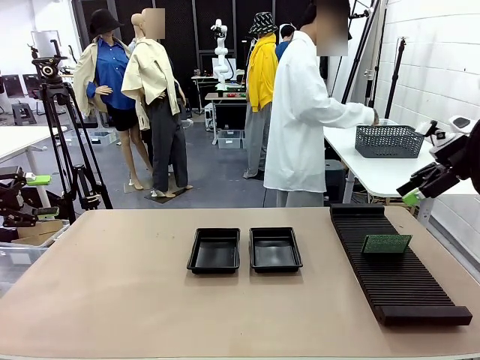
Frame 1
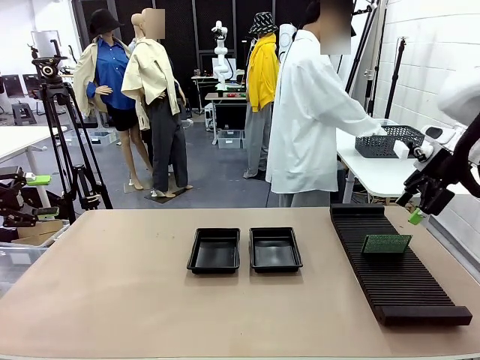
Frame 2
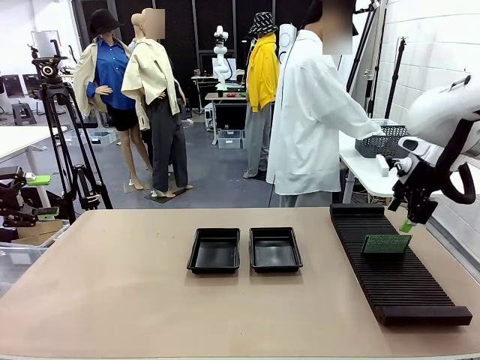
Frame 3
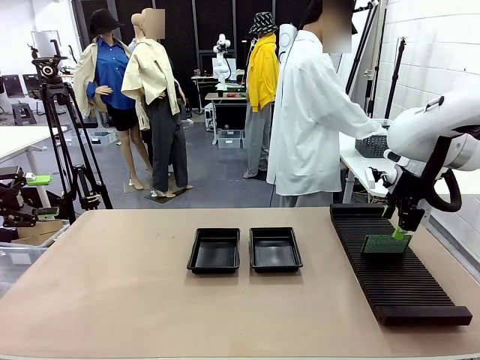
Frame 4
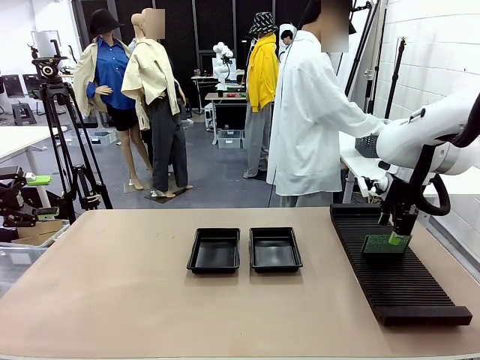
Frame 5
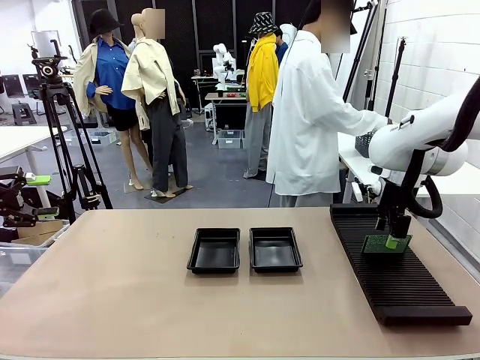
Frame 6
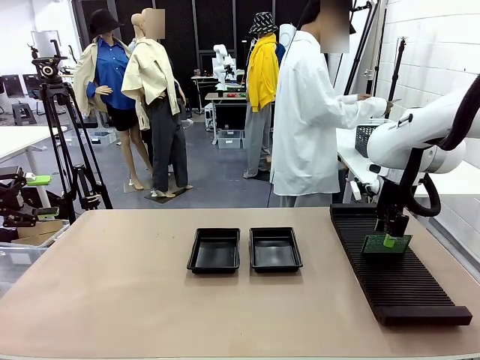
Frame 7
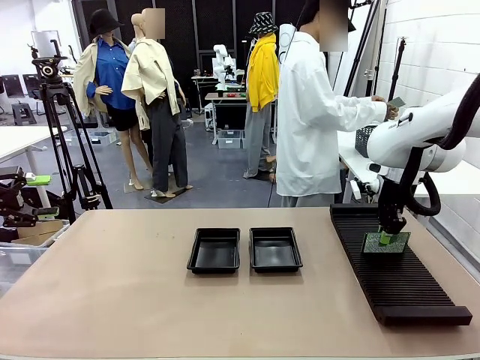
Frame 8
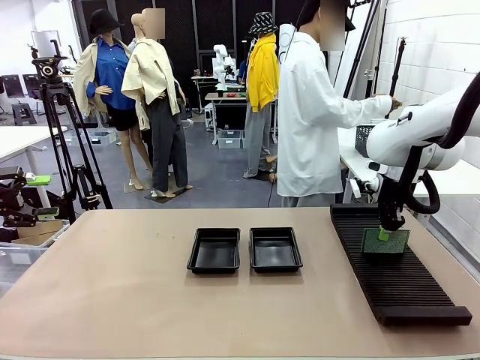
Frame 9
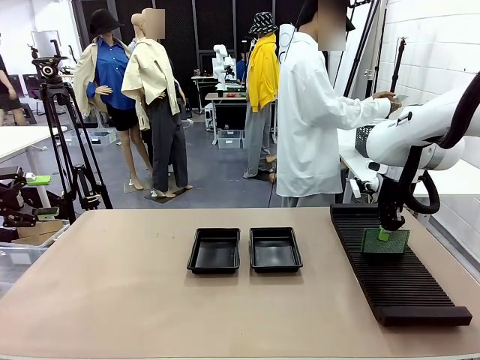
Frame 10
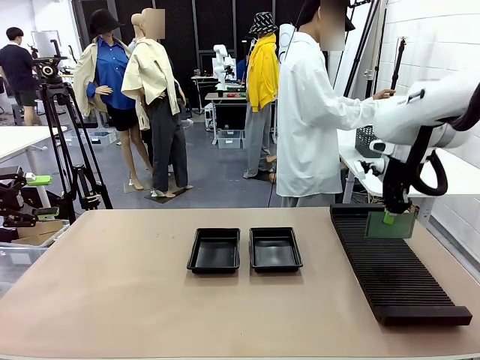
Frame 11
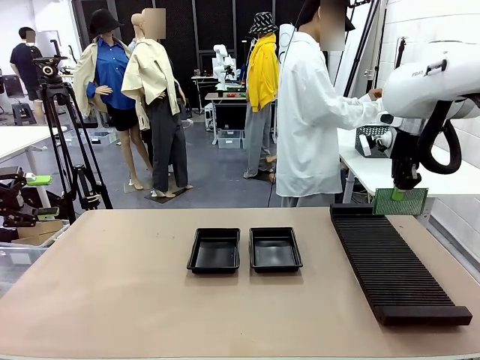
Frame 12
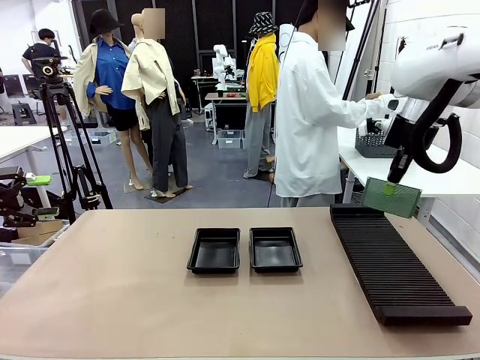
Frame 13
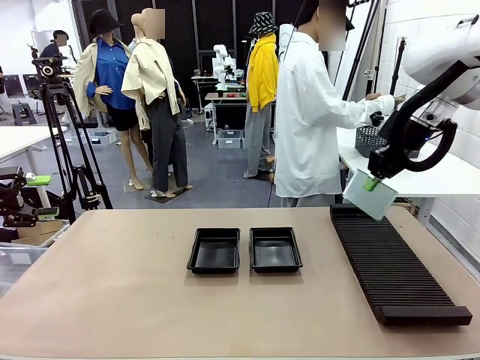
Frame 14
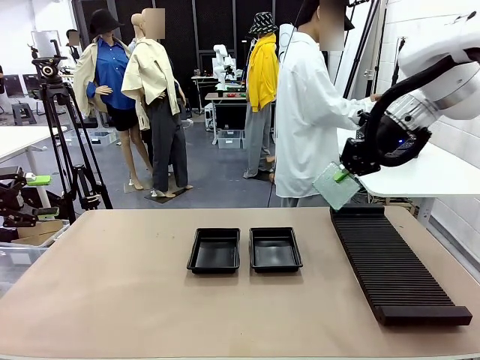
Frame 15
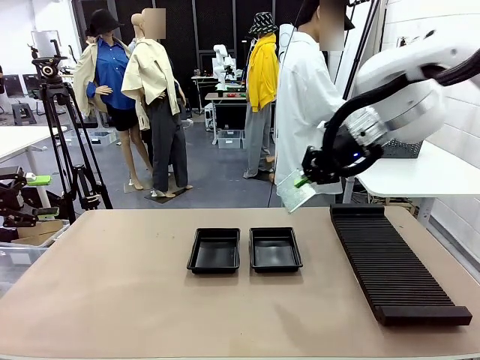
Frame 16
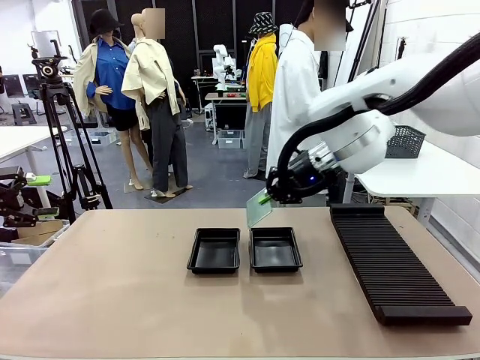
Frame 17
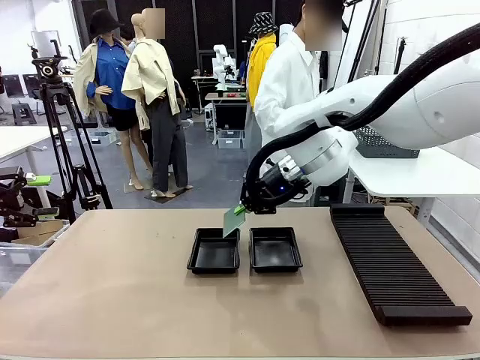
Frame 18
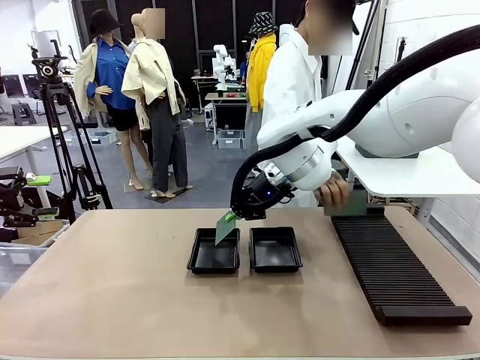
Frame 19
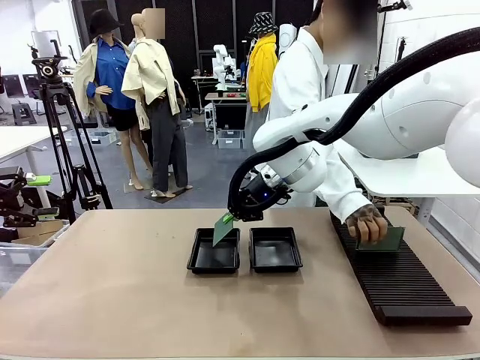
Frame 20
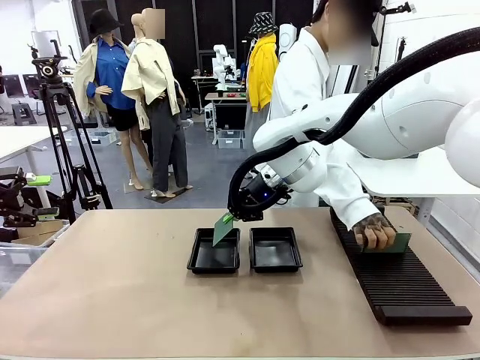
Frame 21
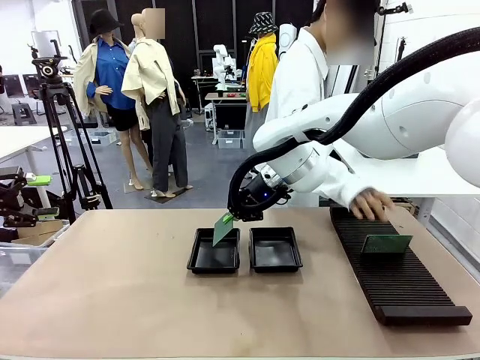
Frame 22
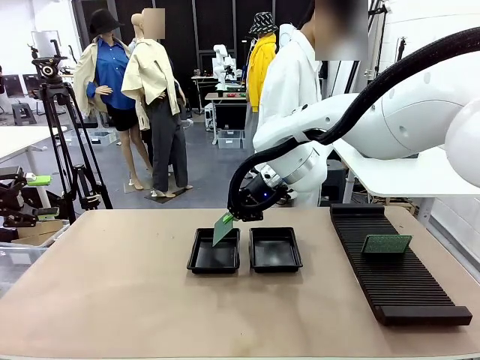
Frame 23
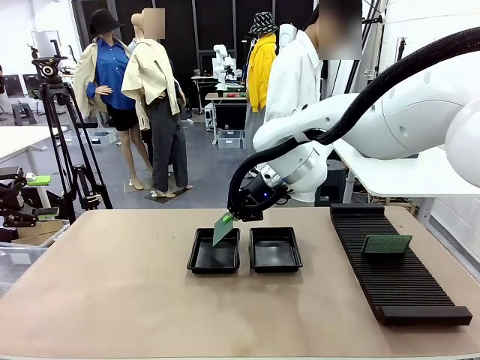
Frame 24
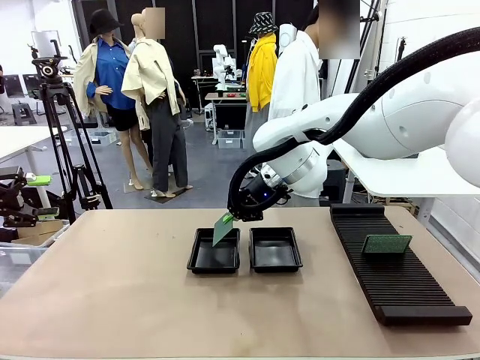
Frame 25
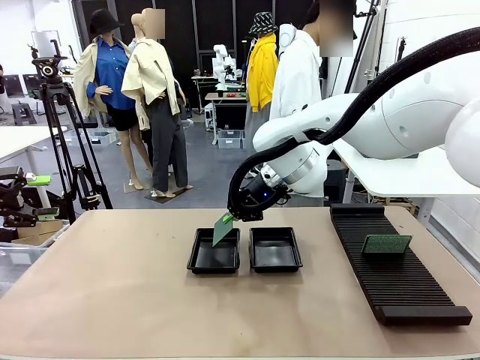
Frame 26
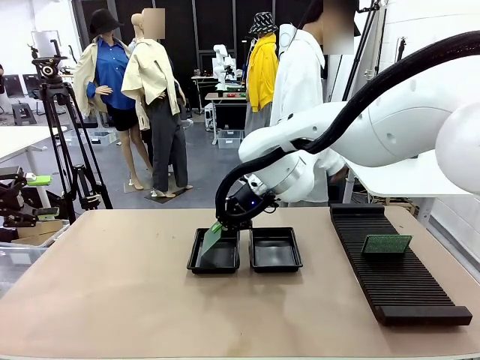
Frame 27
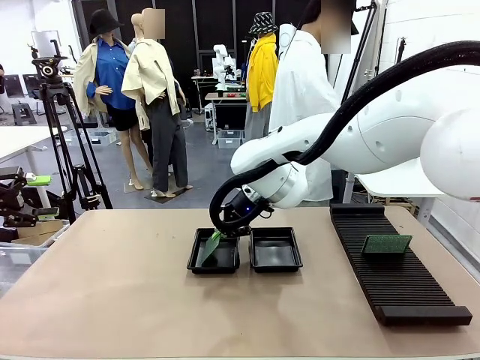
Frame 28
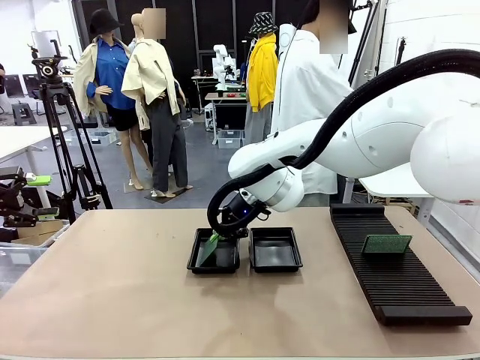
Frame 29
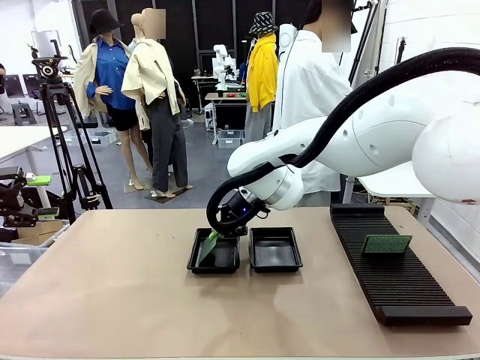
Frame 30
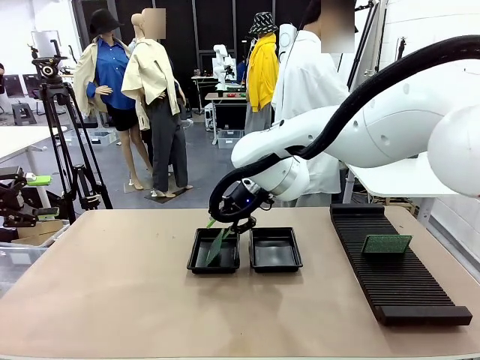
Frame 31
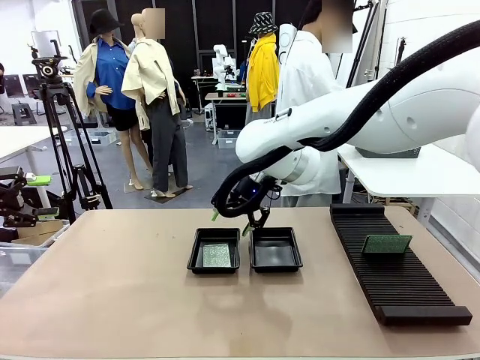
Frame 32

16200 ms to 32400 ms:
Task: Inspect and transfer BCBs to ESD trays.
Robot: Pick up the Blank PCB from the PCB Rack and place it in the left ESD tray.

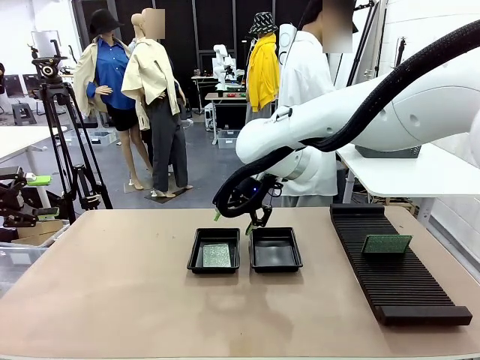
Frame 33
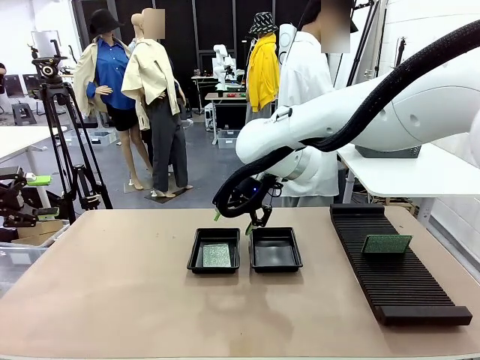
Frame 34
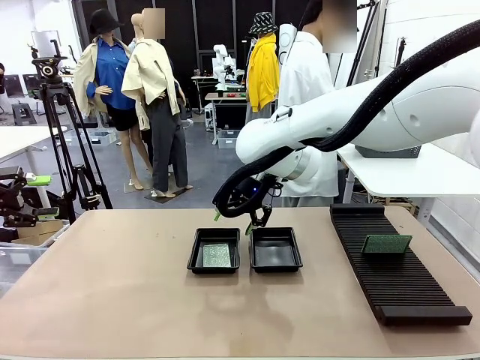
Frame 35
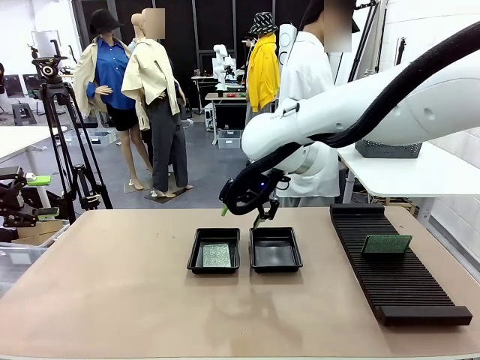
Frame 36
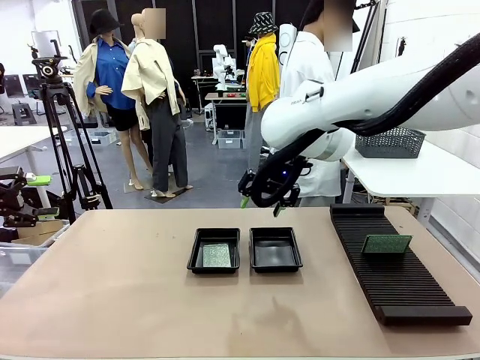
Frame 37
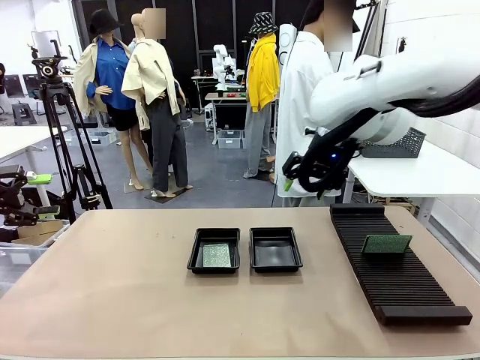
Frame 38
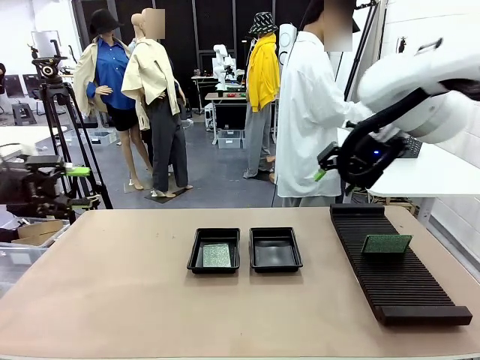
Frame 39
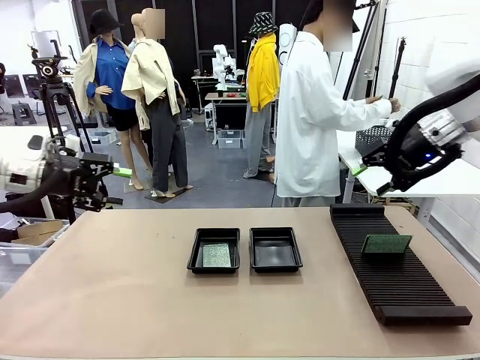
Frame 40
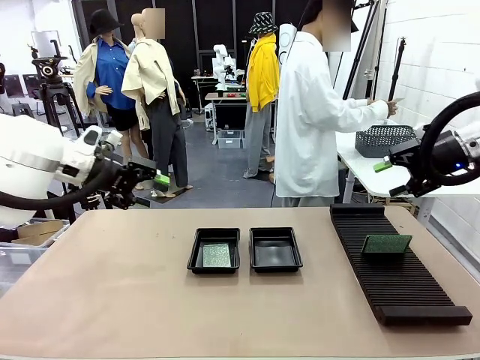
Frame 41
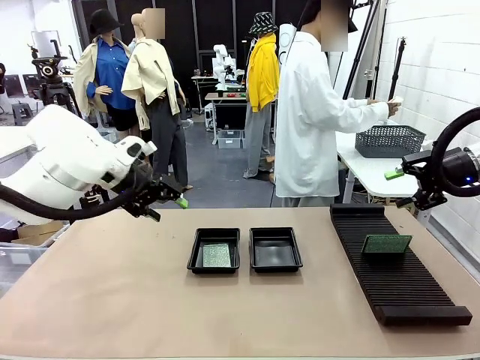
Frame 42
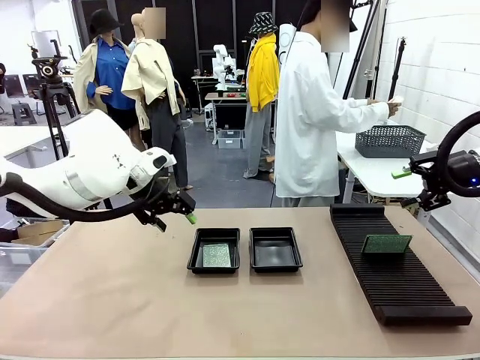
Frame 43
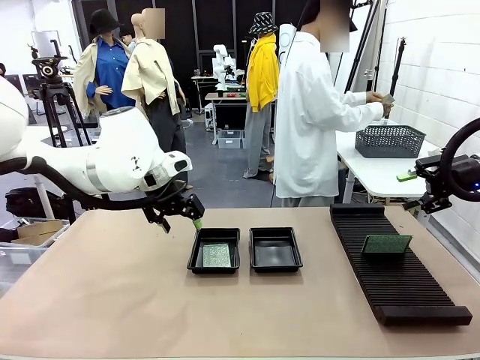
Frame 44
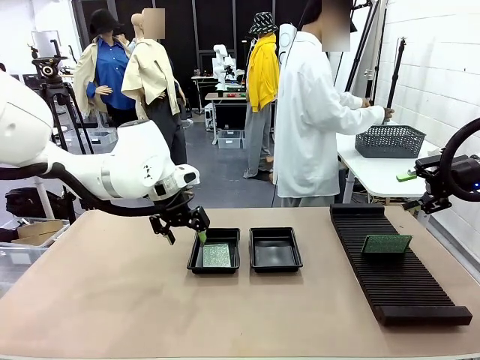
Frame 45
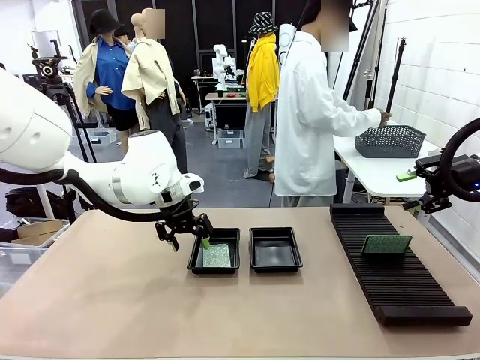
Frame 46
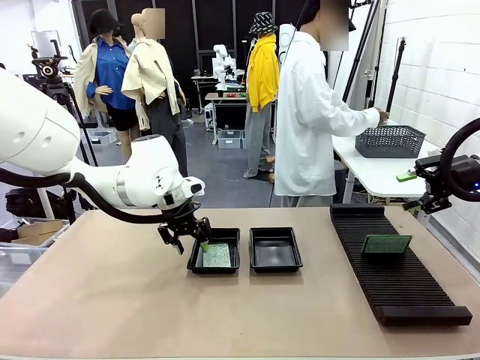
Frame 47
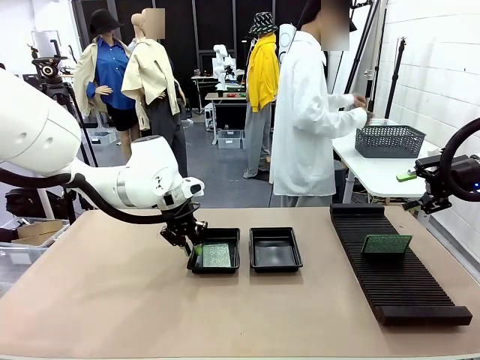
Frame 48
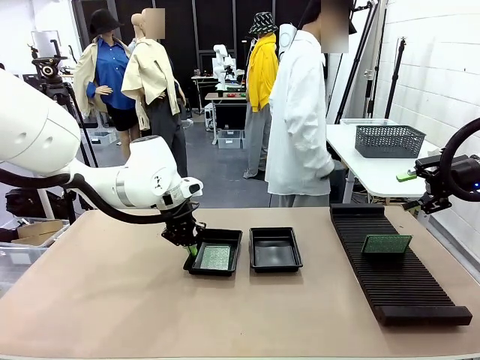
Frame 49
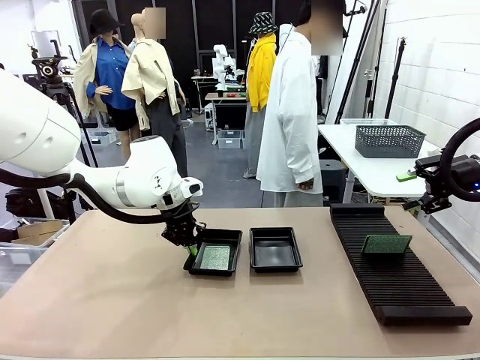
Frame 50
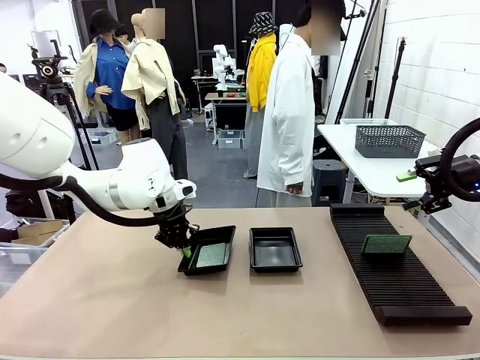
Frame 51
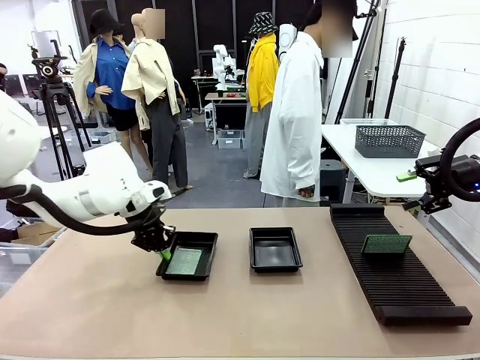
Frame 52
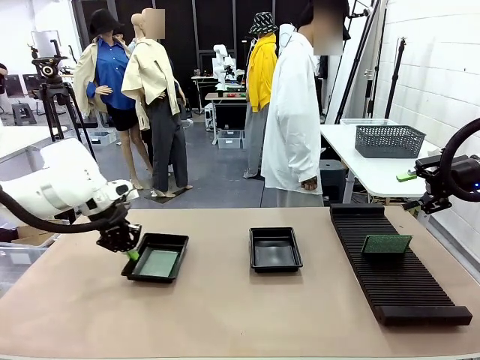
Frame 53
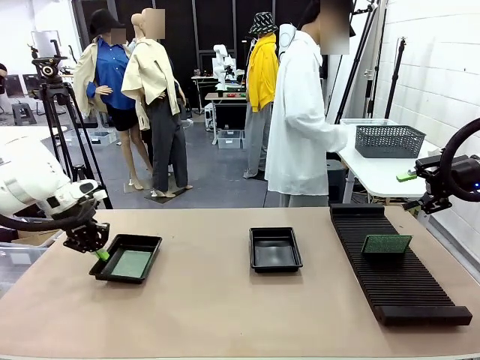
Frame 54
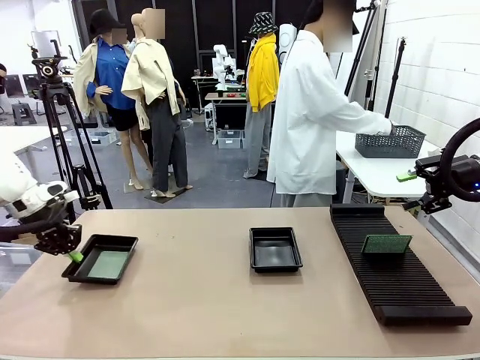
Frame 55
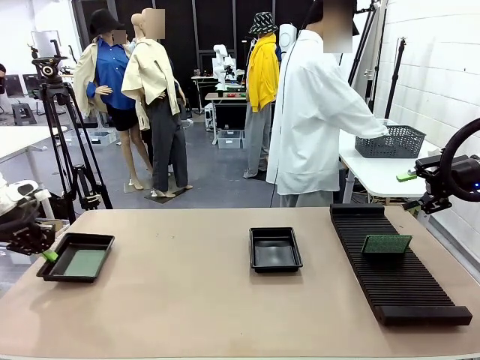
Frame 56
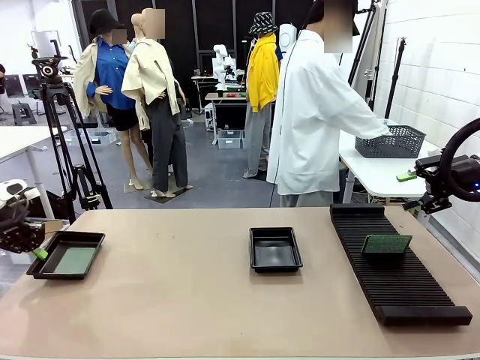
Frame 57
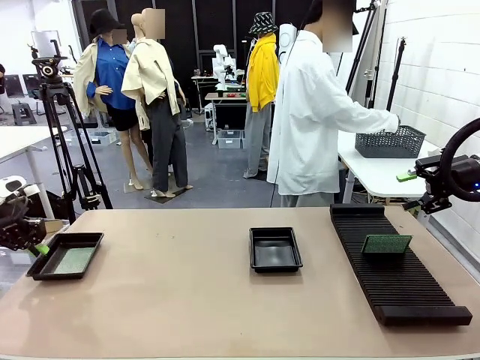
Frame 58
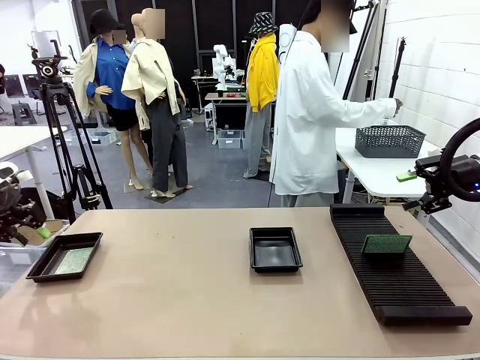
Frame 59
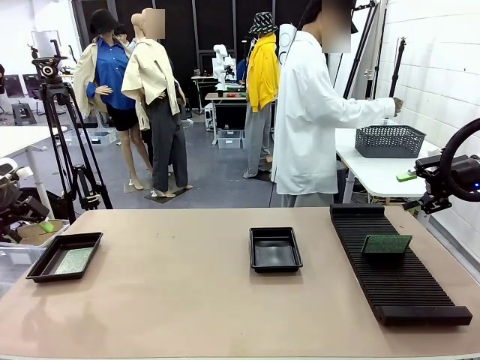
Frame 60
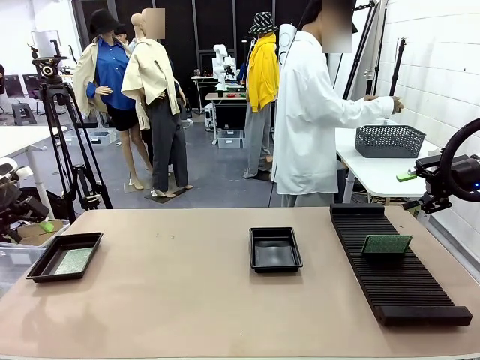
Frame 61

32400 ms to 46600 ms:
Robot: Pick up the ESD tray and place it on the left side of the table.
